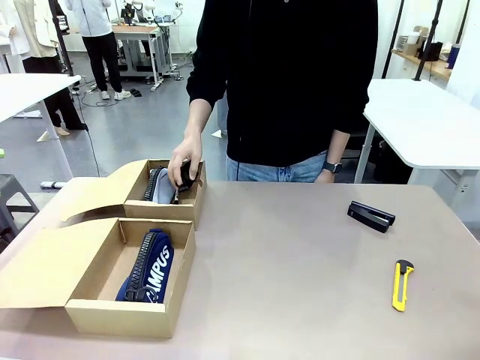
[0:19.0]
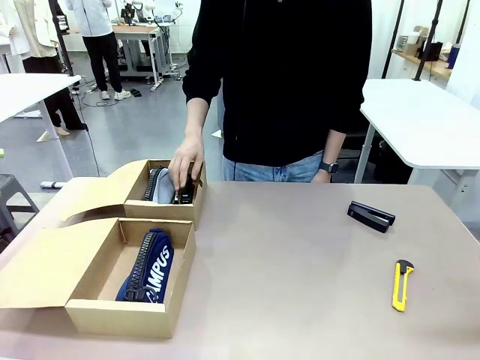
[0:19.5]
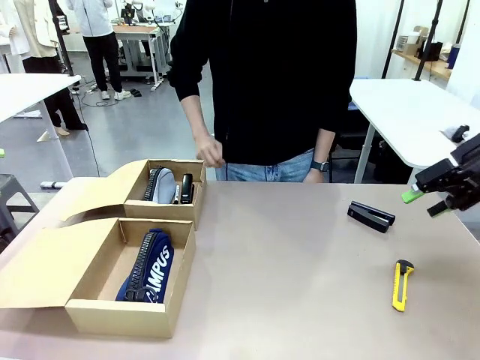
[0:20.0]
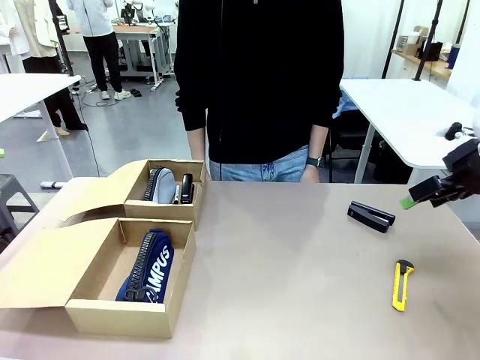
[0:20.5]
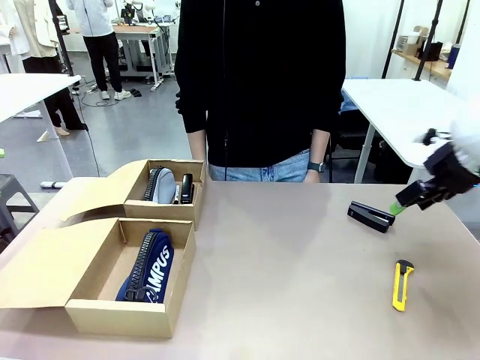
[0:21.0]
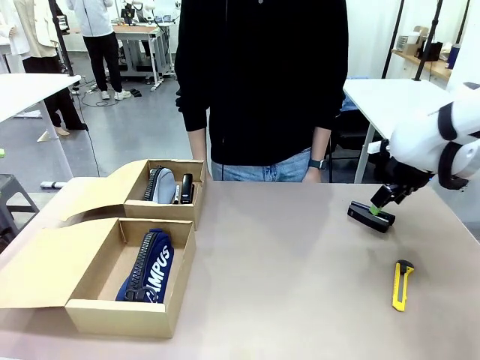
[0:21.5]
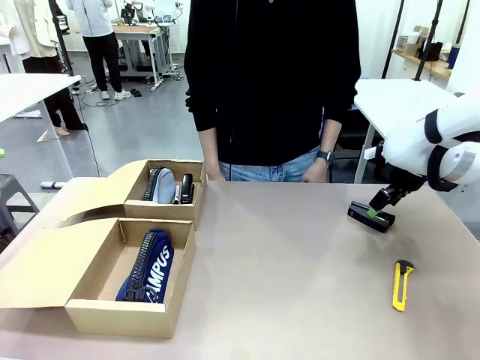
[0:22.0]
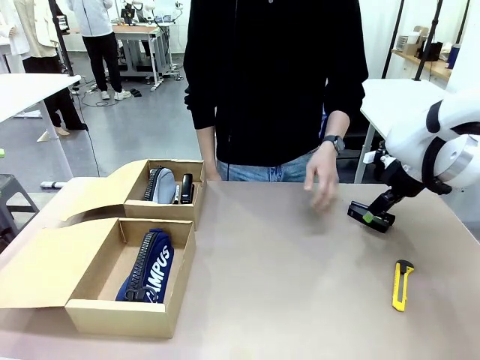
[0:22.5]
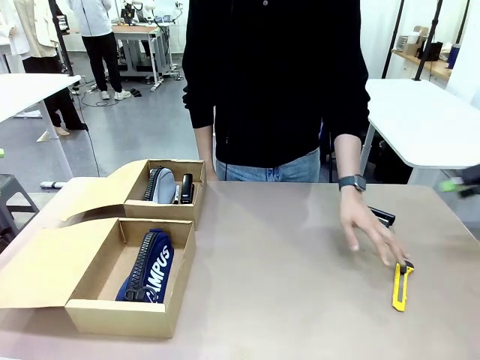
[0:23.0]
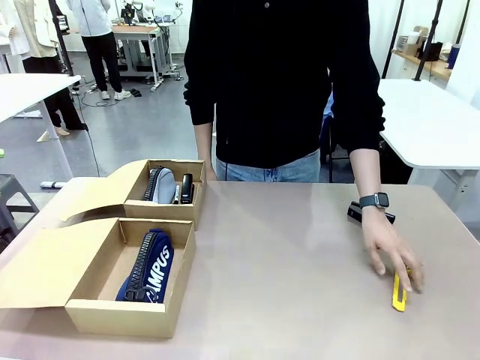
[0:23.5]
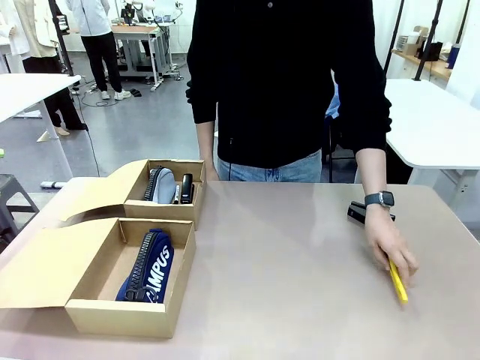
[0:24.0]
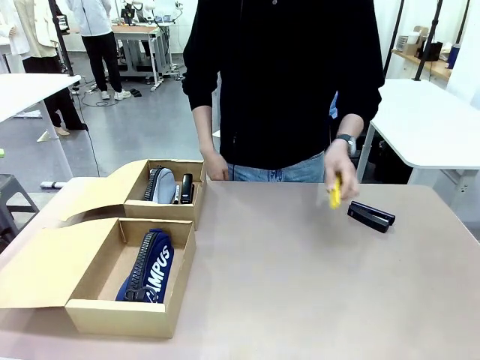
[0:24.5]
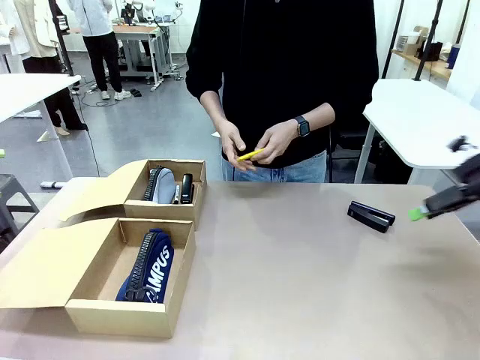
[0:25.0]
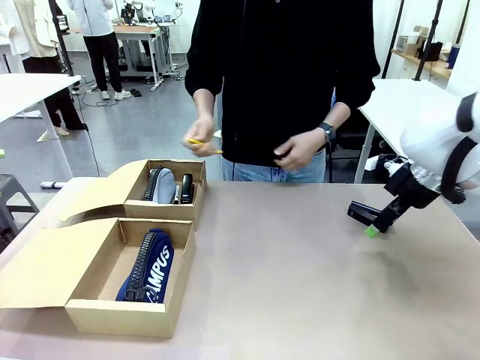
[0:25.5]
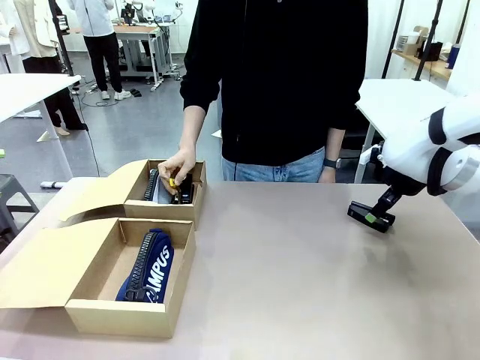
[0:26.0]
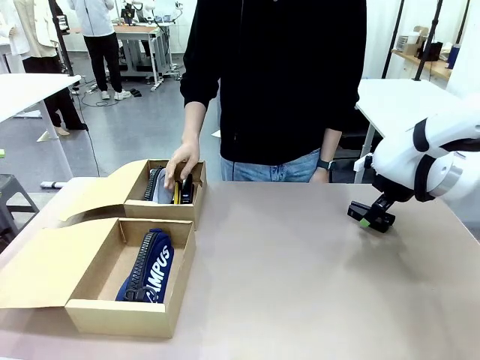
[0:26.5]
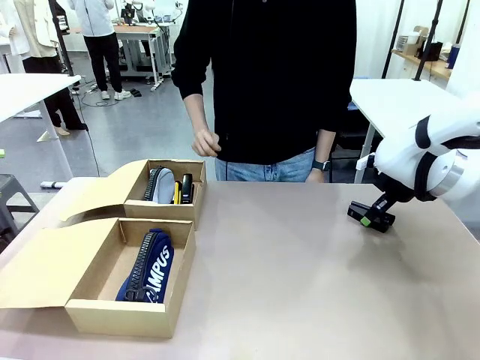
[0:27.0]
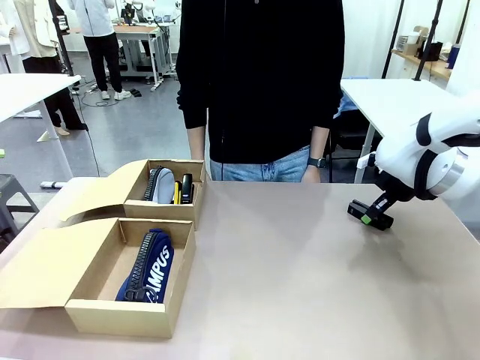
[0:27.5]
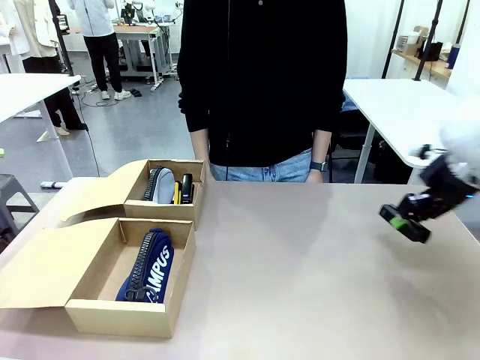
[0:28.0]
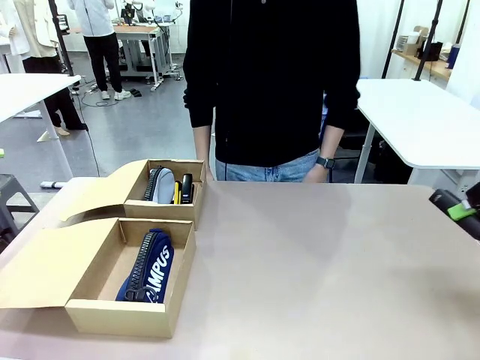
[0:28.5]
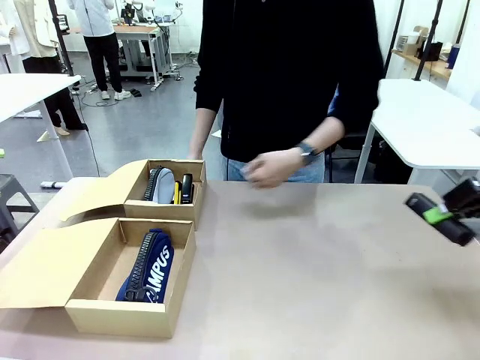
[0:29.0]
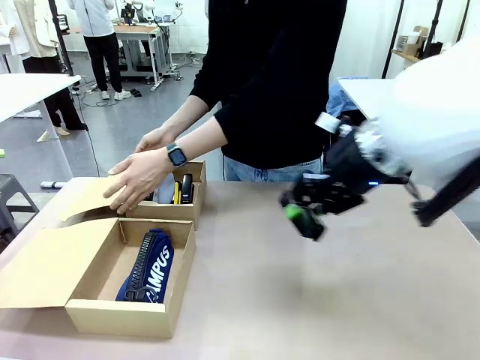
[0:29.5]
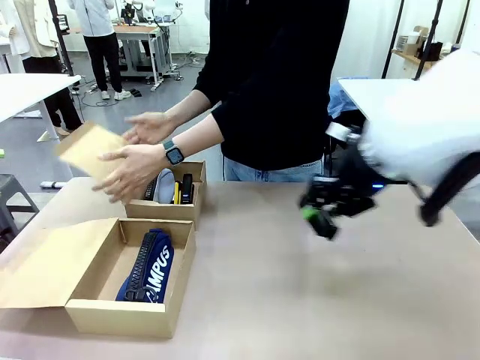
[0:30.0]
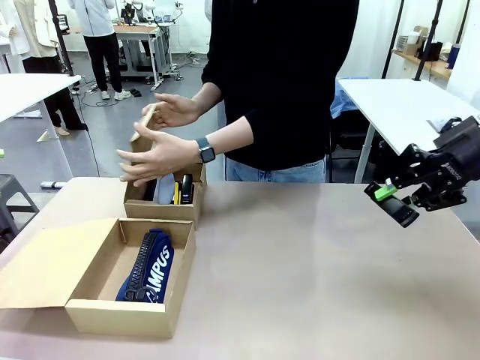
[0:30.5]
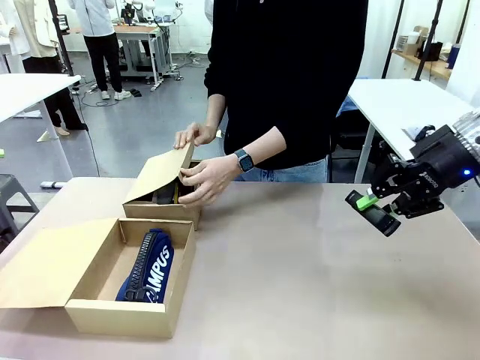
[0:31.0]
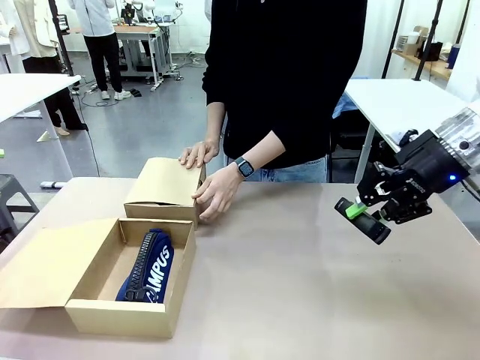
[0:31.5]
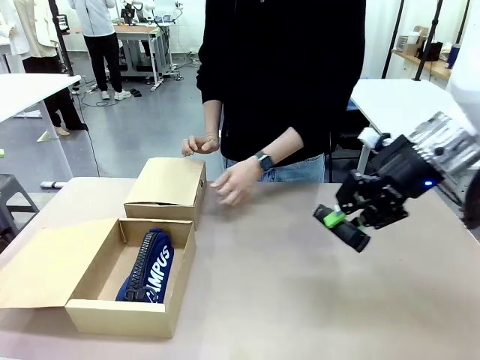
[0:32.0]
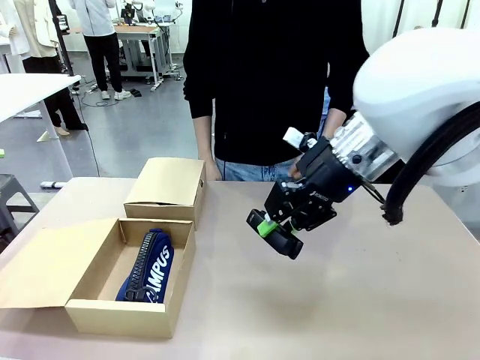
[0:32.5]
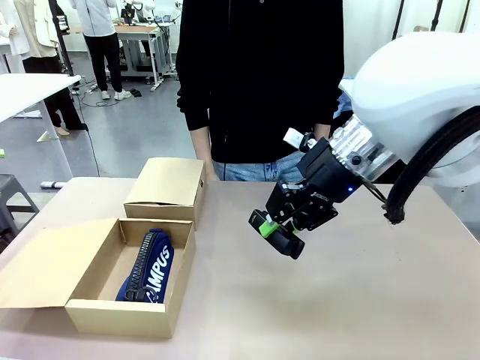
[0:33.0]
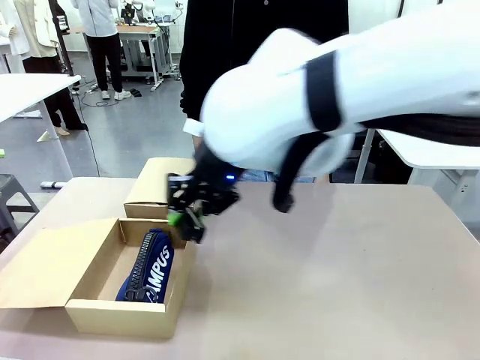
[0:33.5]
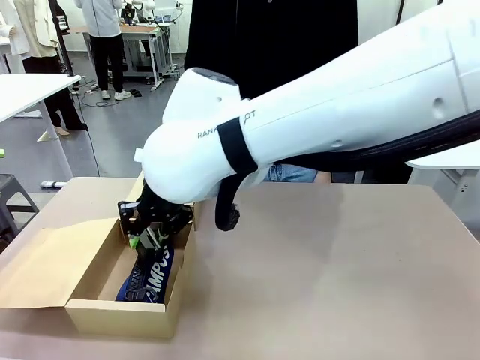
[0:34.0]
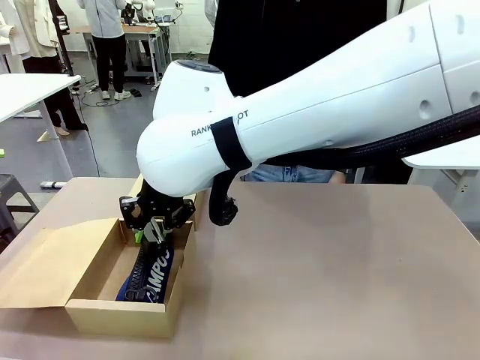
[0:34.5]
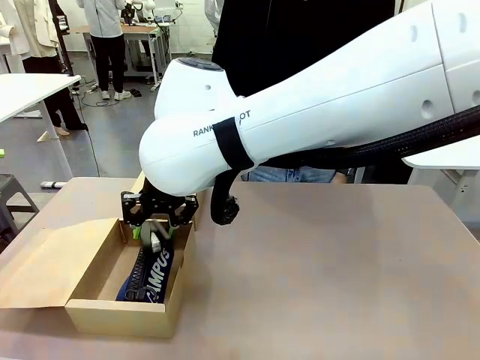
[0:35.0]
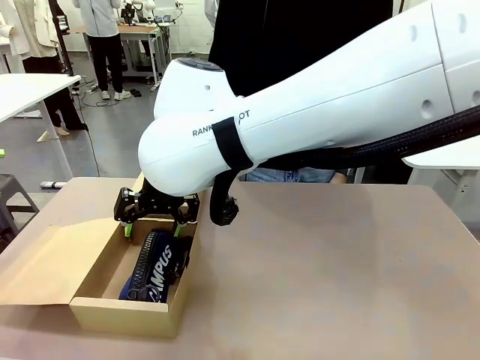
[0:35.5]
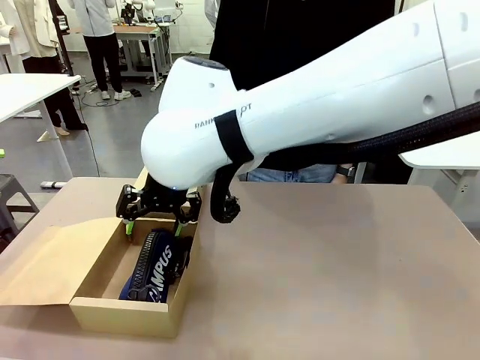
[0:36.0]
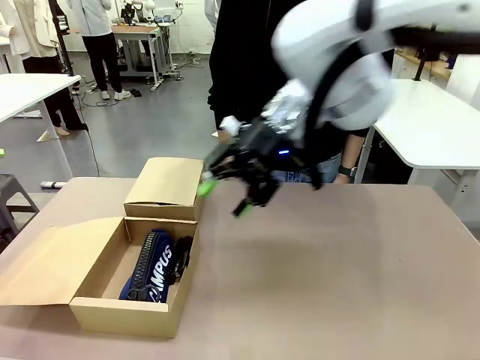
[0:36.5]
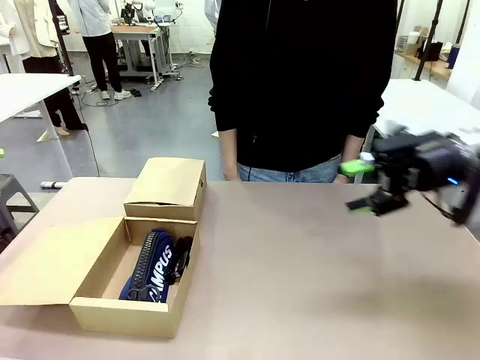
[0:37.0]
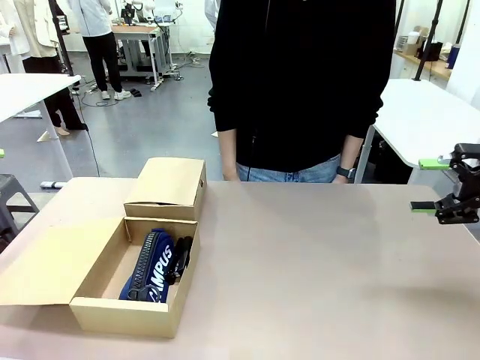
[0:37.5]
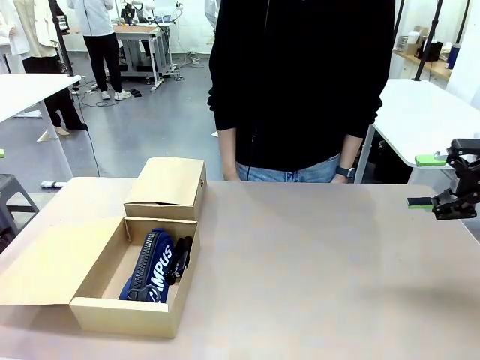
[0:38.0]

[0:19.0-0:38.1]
Task: Place items inside the box.
Robot: Pick up a Pencil pouch or Stapler and place it inside the Mailer Box closest to the robot.
